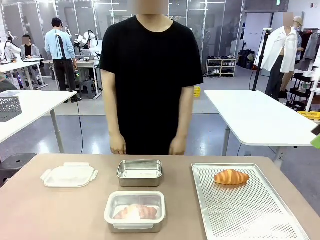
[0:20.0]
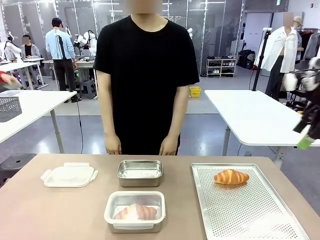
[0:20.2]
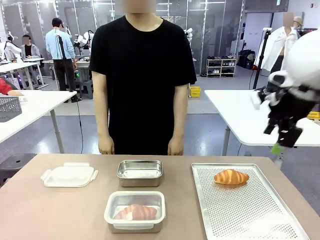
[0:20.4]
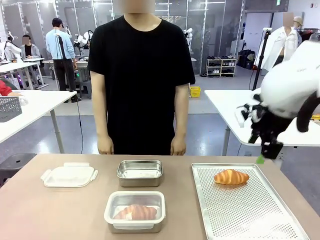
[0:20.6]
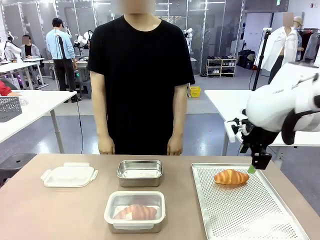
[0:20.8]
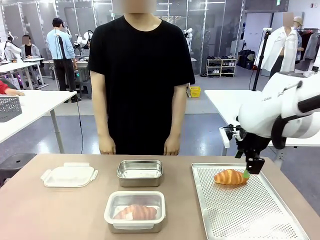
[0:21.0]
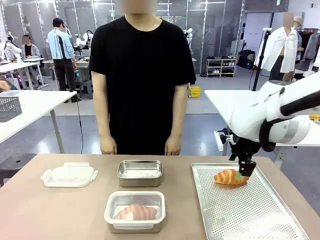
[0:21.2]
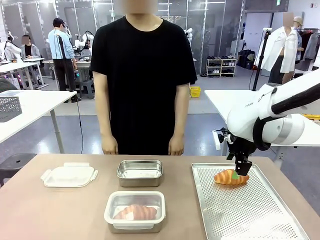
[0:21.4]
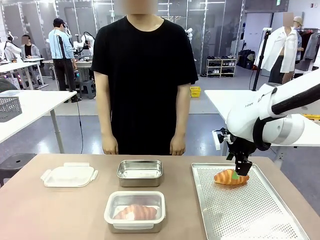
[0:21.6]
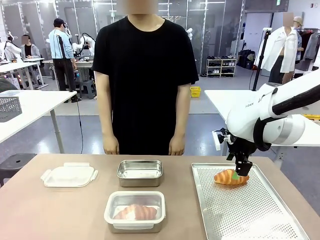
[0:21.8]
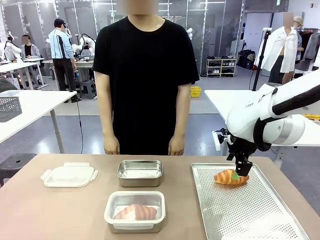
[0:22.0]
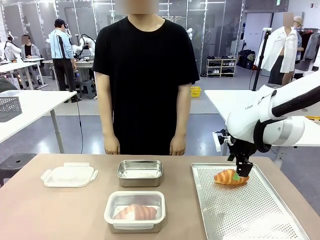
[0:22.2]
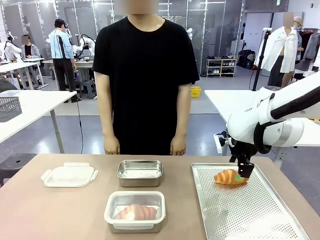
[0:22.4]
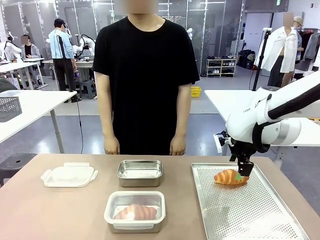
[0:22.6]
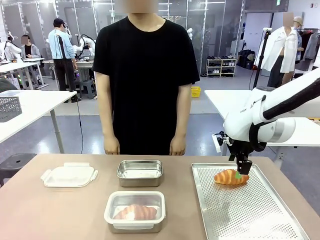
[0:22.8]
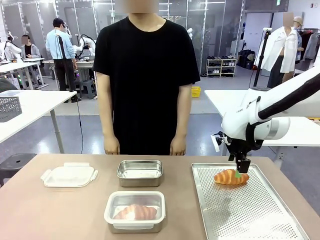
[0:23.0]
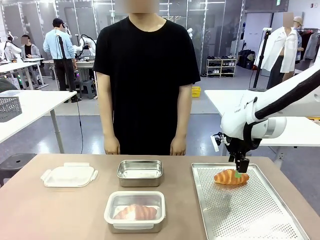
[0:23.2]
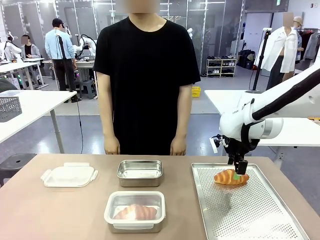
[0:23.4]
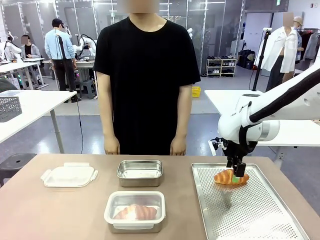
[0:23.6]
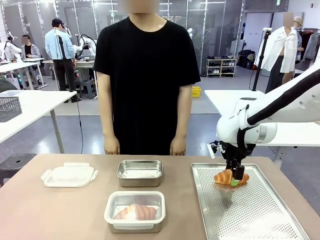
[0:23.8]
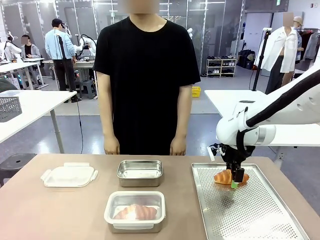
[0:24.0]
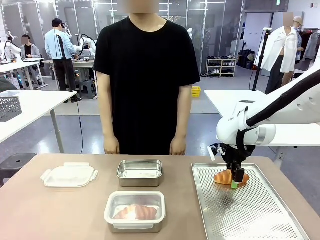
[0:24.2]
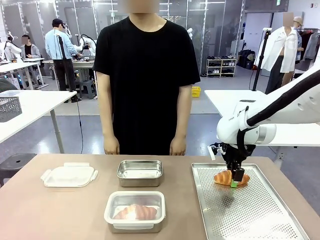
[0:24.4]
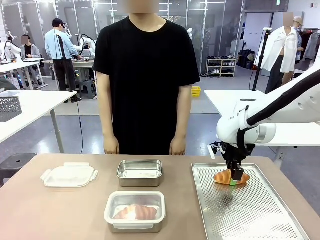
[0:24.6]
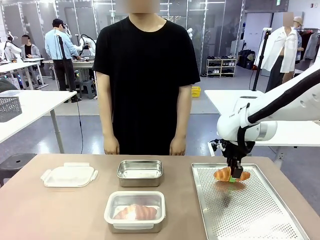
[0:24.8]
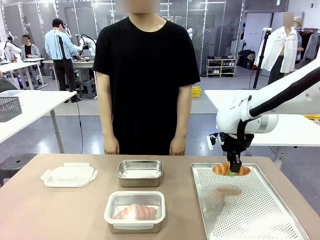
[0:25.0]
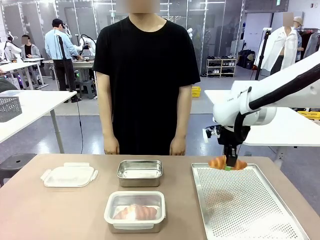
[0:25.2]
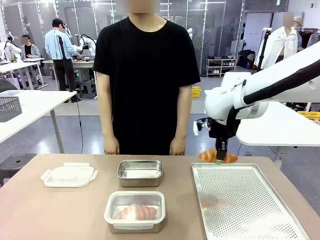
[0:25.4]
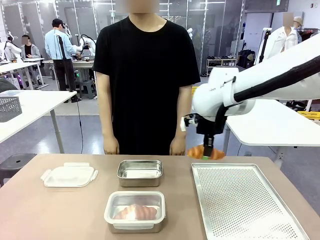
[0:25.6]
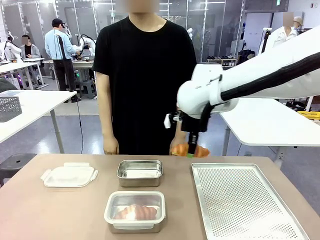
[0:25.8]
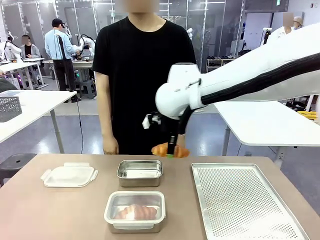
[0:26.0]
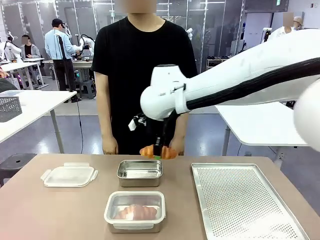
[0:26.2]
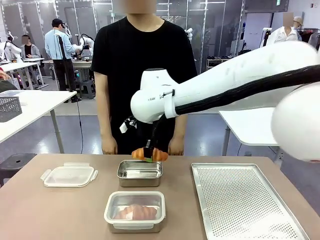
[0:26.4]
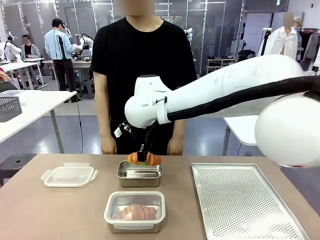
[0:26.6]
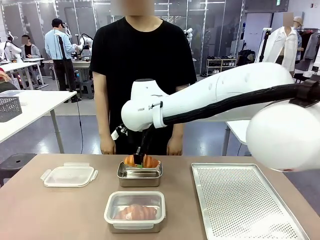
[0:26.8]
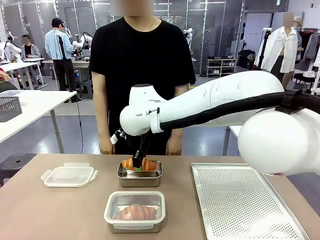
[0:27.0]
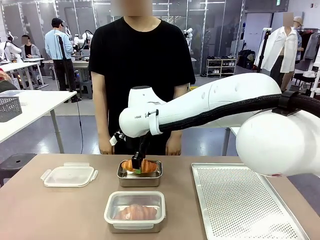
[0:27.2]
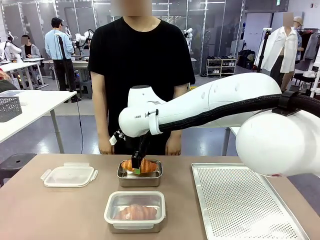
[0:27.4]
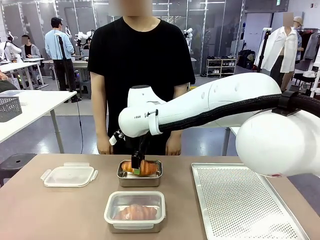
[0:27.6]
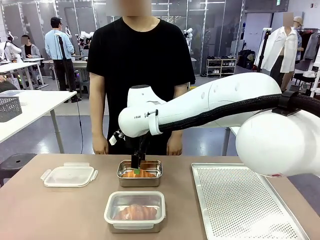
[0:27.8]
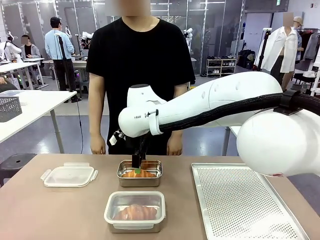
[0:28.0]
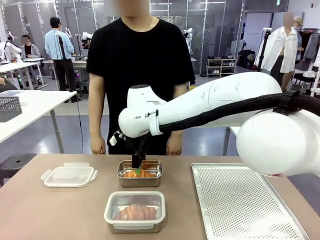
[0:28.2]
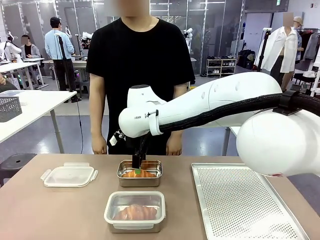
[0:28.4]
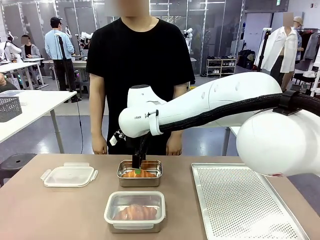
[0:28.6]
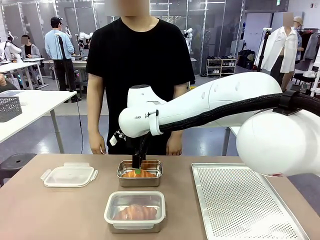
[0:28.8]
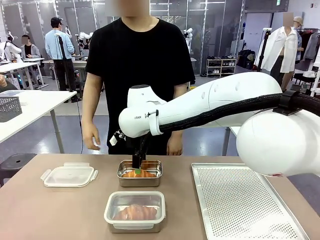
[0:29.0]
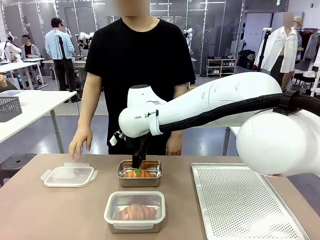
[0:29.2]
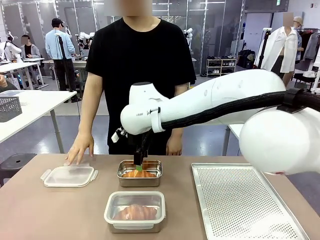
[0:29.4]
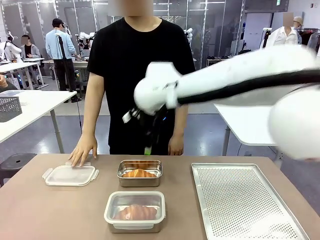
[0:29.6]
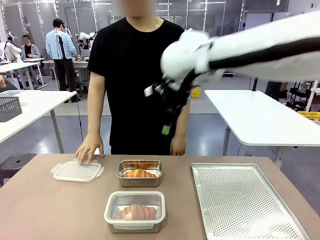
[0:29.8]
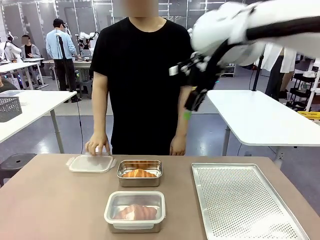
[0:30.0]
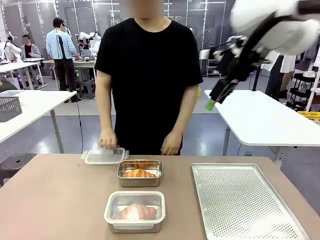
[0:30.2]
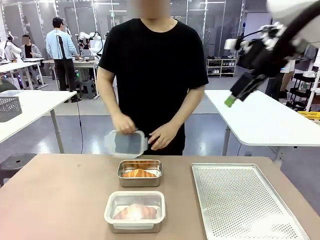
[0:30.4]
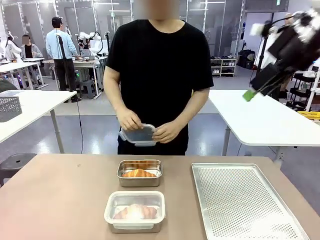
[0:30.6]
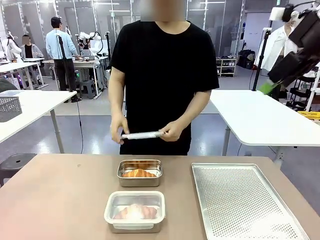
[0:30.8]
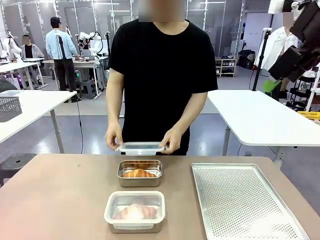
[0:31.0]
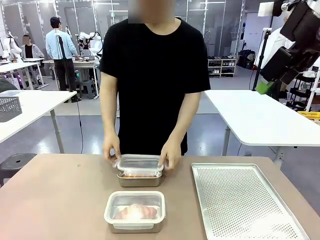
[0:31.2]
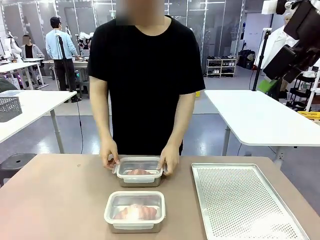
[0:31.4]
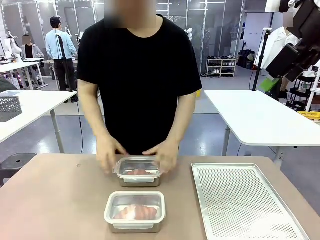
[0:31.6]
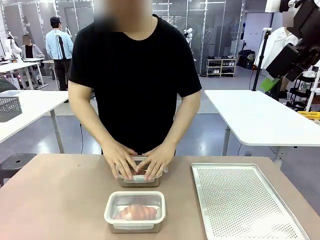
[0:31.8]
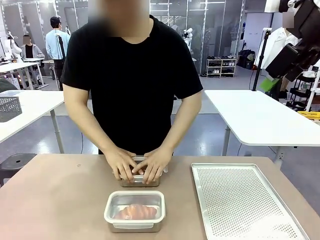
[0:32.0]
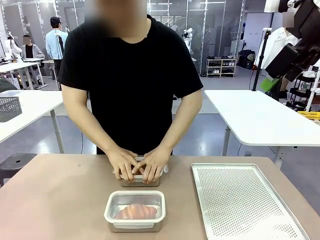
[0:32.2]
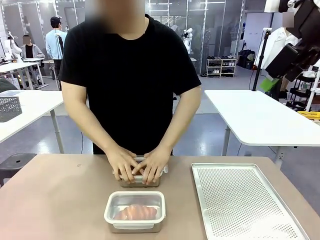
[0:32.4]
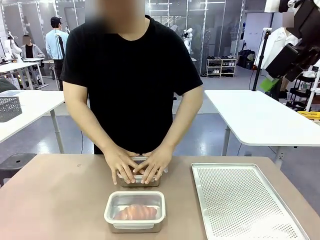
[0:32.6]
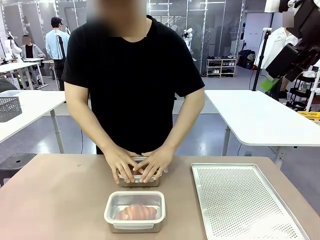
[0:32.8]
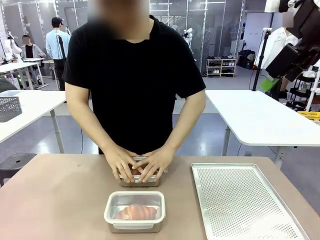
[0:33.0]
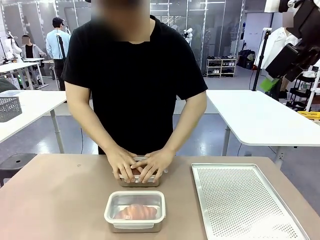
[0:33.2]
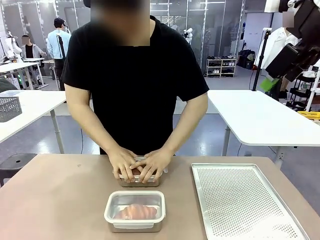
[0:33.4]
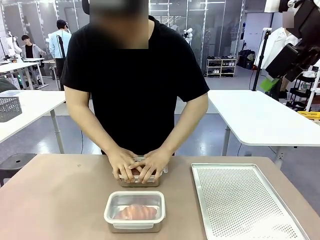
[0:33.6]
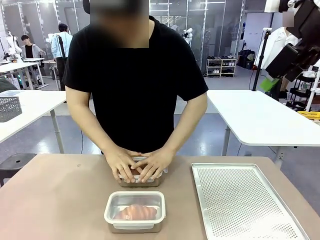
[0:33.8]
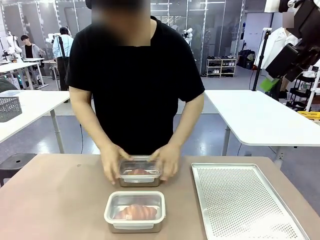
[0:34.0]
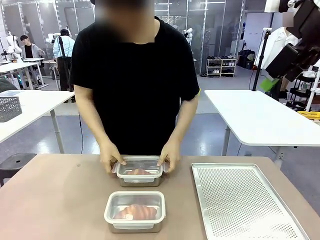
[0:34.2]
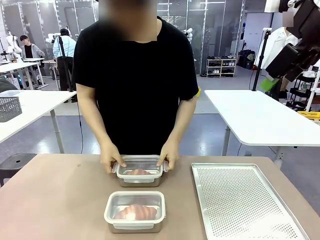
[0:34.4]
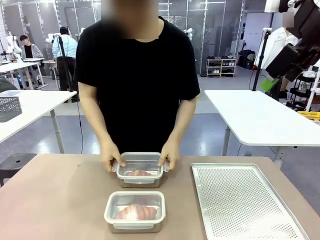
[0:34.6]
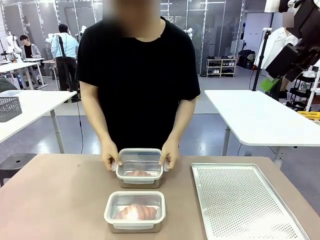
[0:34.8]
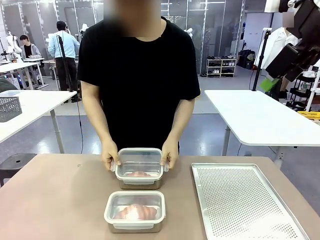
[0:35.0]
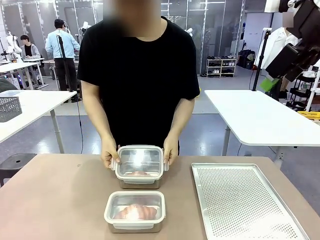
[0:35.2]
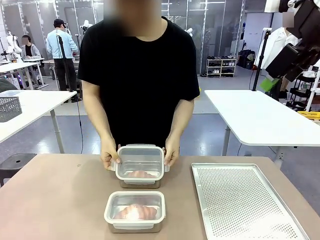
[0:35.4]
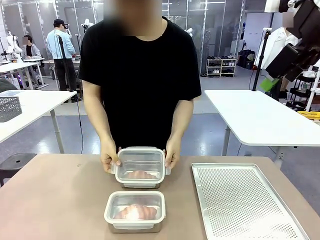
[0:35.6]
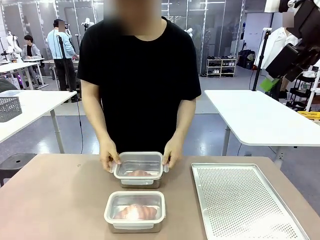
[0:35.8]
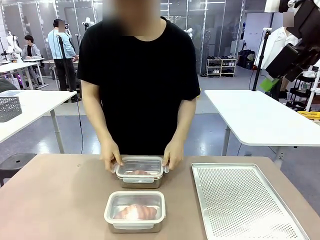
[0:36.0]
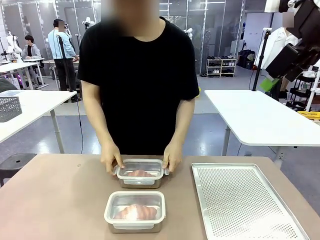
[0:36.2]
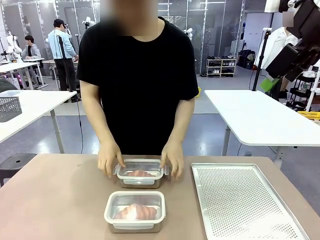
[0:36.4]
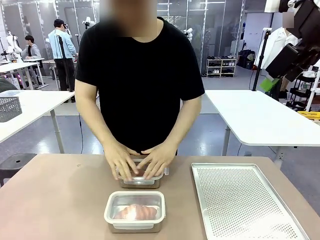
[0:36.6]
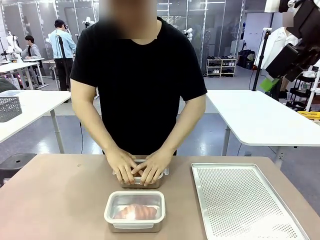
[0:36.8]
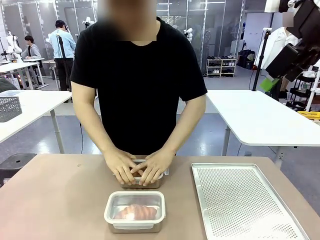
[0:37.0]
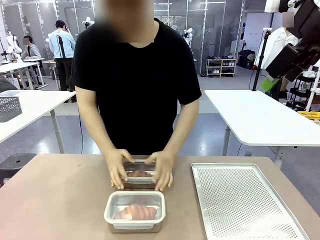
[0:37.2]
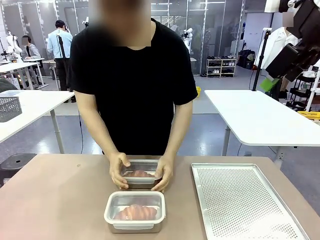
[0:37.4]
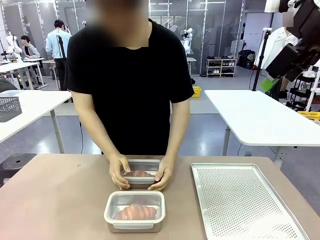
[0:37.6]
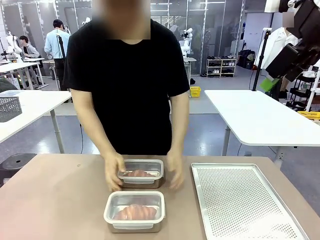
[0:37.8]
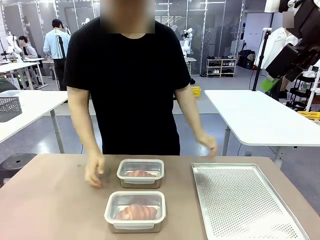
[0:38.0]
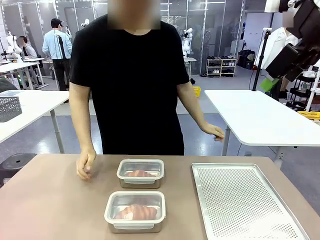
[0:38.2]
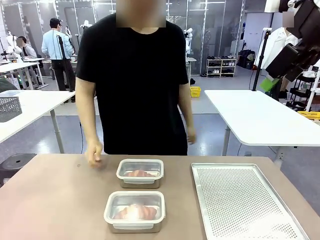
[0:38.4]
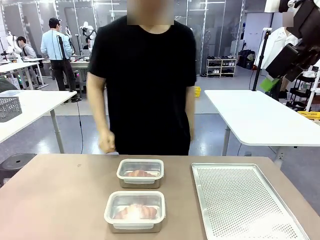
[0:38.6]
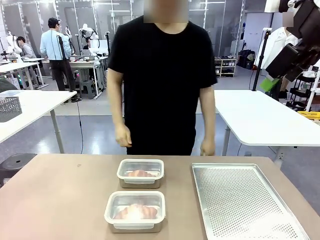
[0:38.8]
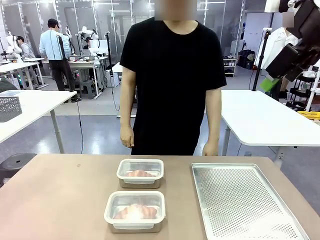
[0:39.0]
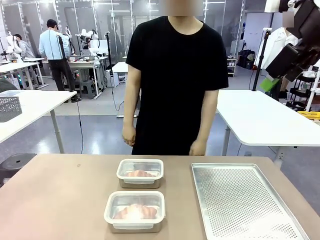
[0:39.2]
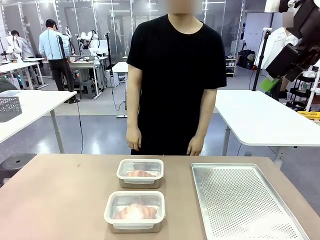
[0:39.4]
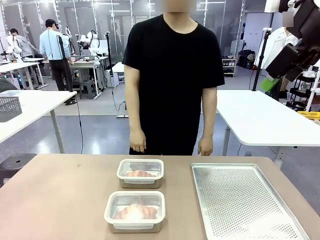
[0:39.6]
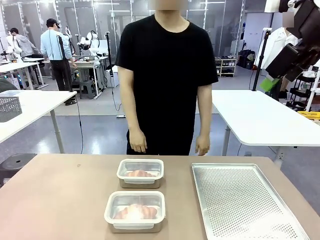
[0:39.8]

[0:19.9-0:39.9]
Task: Place the bread into the airtight container.
Robot: Pick up a Butter Roll and place it into an empty Airtight Container.
Person: Once a Butter Roll is inside an Airtight Container , close the lid of that Airtight Container.
